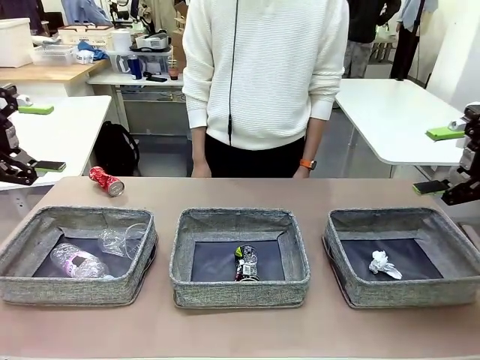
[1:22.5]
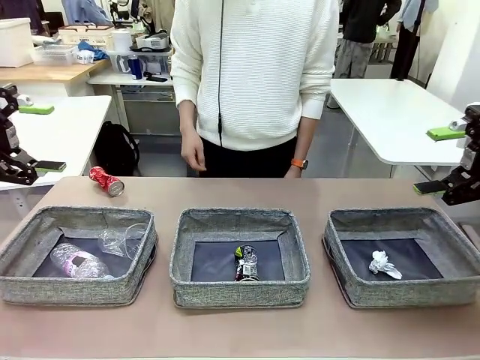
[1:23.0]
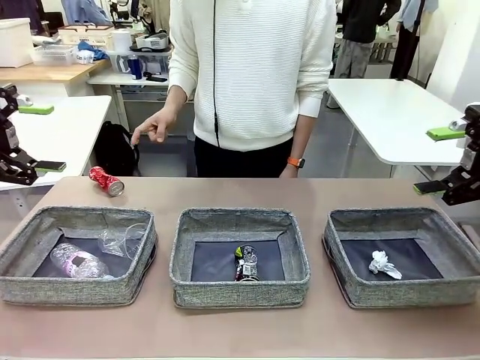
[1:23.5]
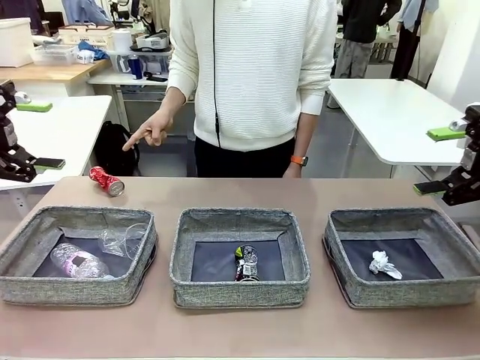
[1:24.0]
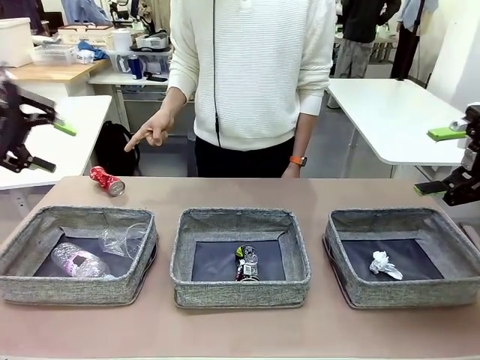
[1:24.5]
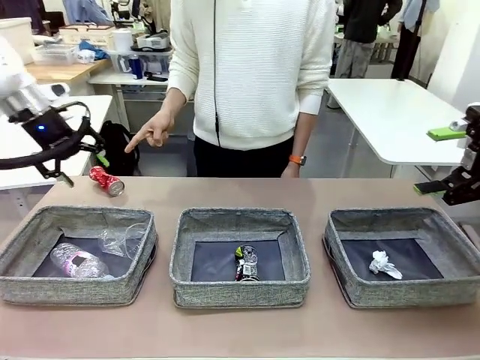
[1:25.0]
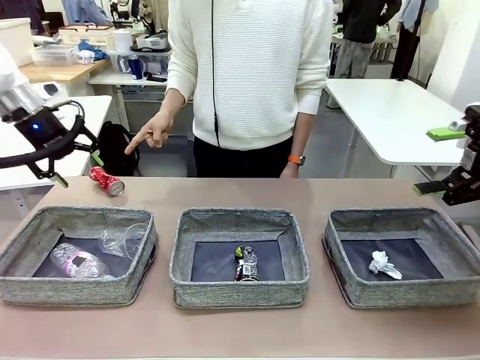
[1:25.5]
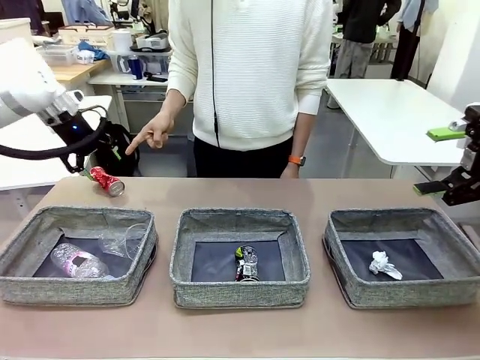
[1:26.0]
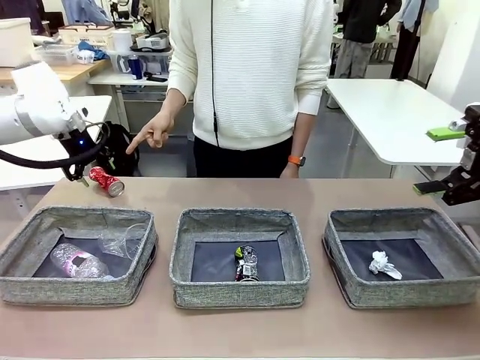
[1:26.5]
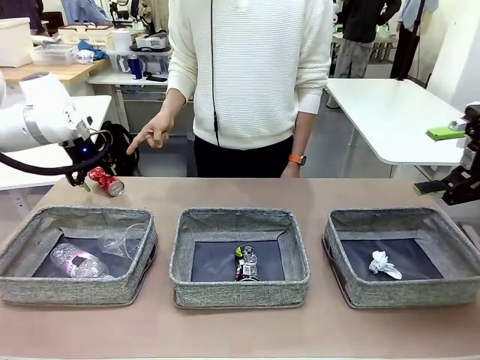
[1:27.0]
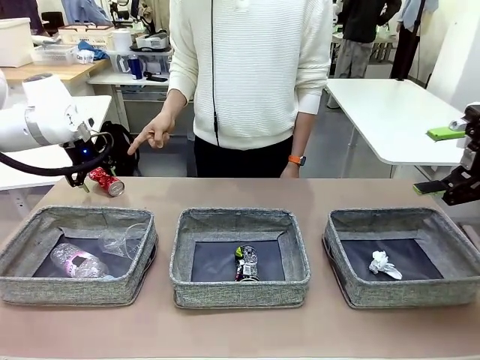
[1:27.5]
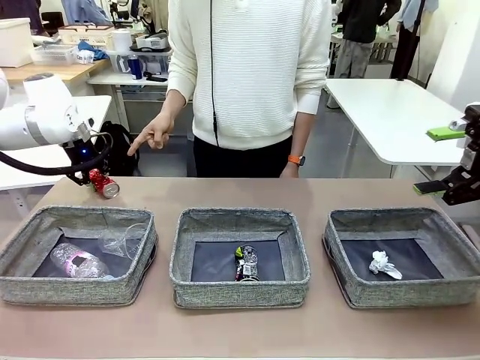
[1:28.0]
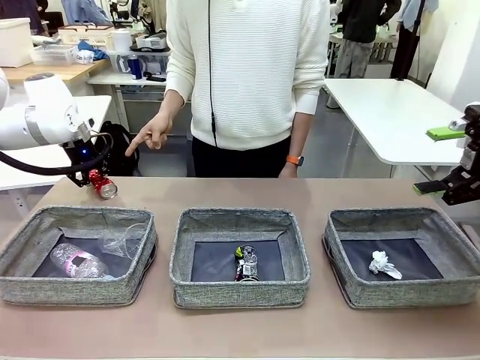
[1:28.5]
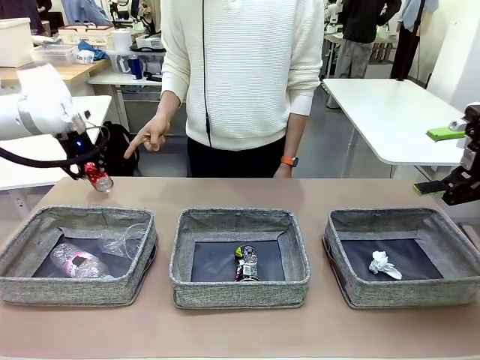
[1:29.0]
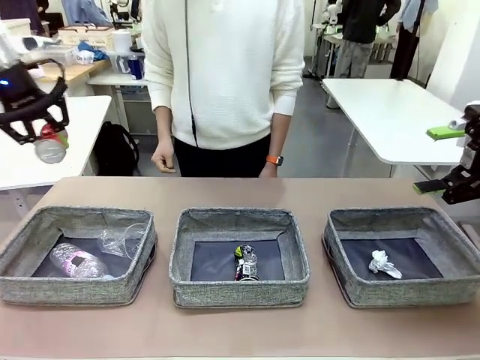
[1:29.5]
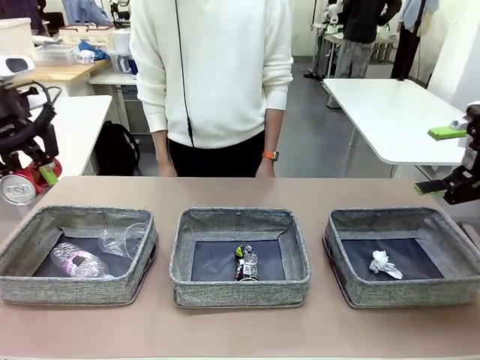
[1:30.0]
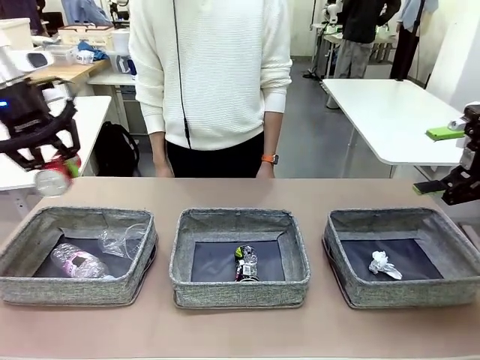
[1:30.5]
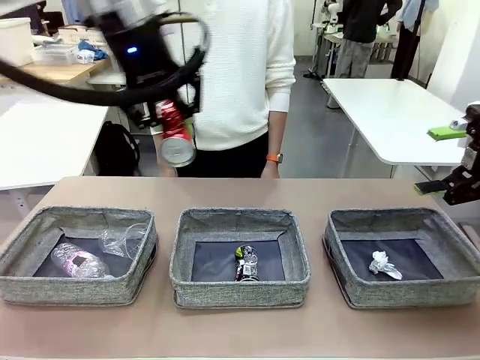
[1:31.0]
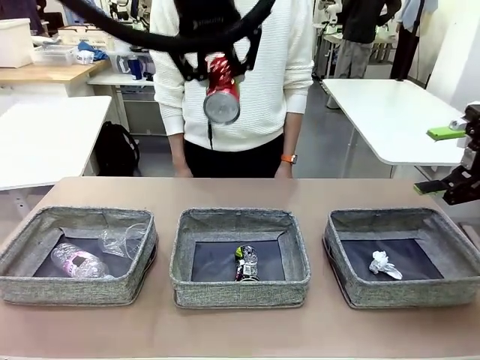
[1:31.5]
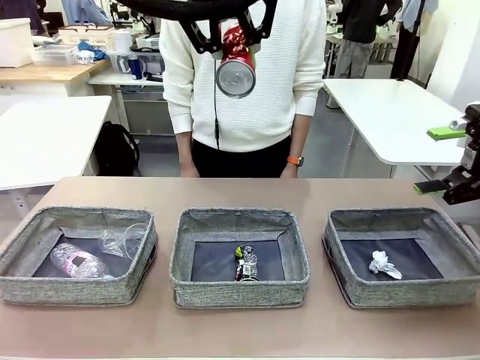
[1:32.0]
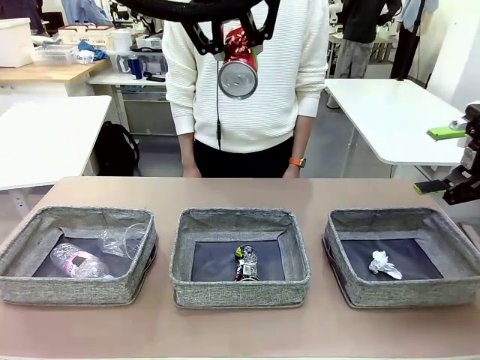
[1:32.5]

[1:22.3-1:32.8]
Task: Sort the waste into the appropriate baskets.
Robot: Pick up the waste item pointed out by the person.
Person: Points to one piece of trash on the table.

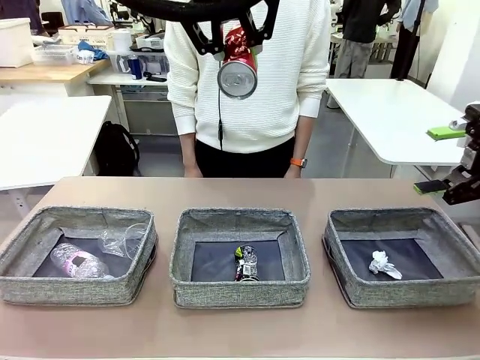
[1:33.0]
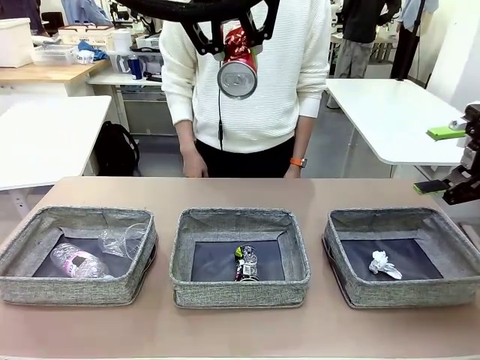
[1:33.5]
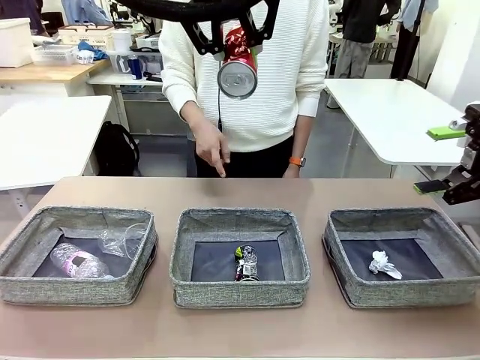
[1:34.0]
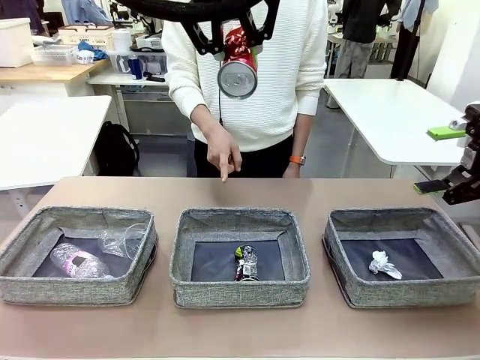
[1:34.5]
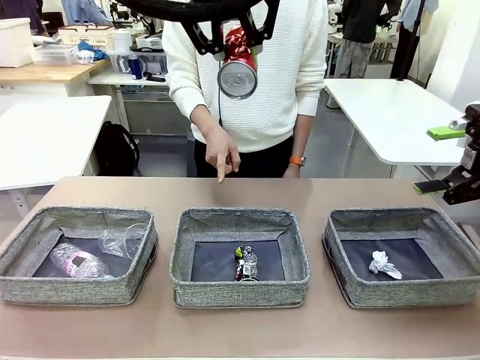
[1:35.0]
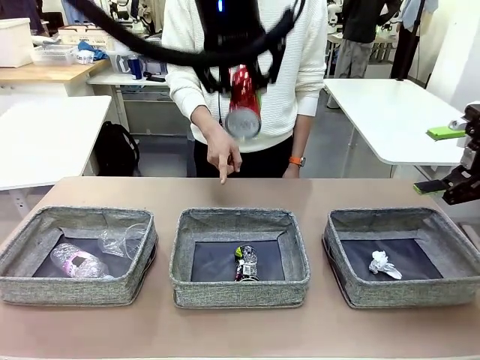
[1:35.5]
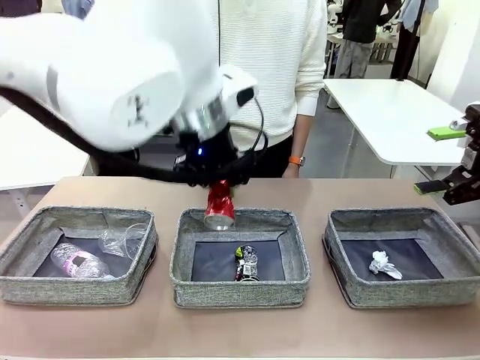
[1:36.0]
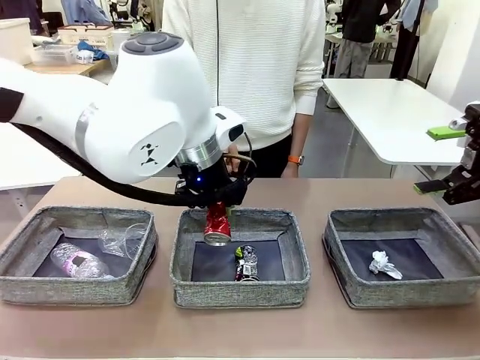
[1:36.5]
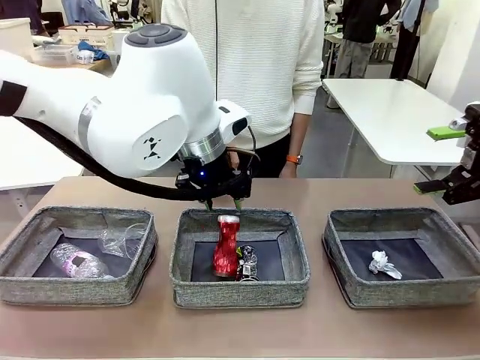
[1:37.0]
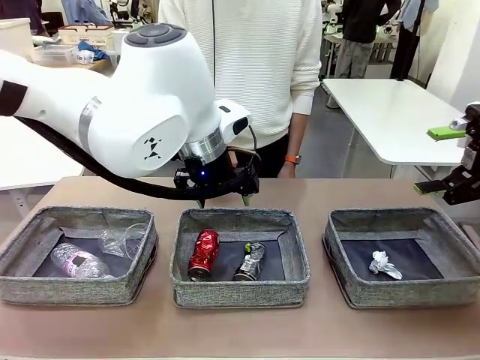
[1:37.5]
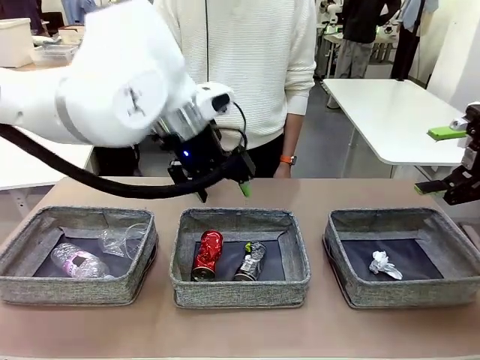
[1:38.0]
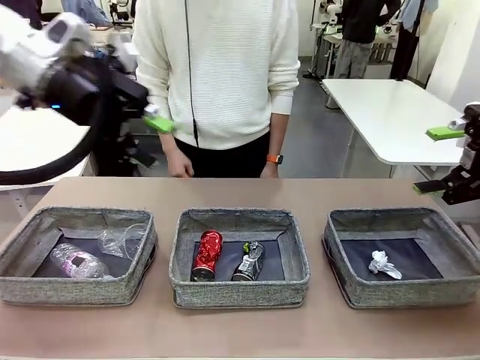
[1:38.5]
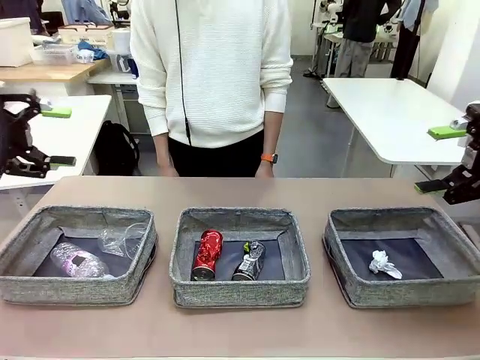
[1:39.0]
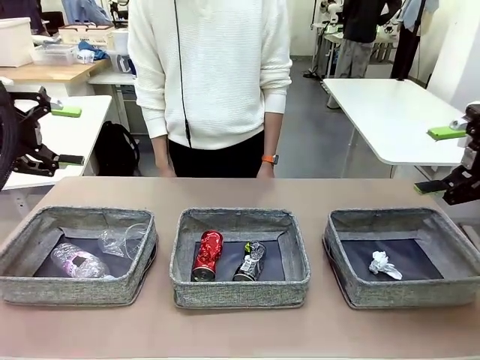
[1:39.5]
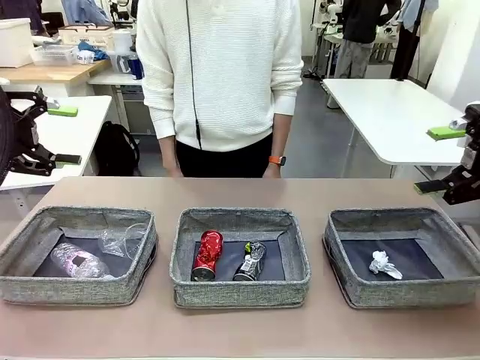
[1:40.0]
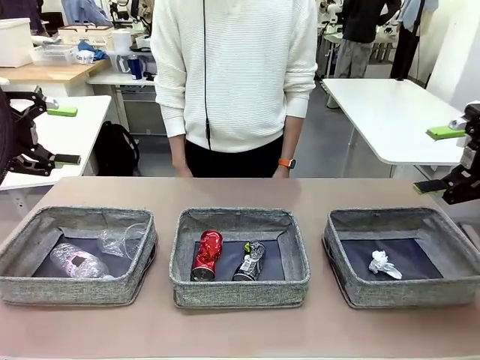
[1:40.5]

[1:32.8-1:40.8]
Robot: Place the picked waste into the Fabric basket indicated by the person.
Person: Instructs the robot to place the picked-up trash into the appropriate organizing basket.

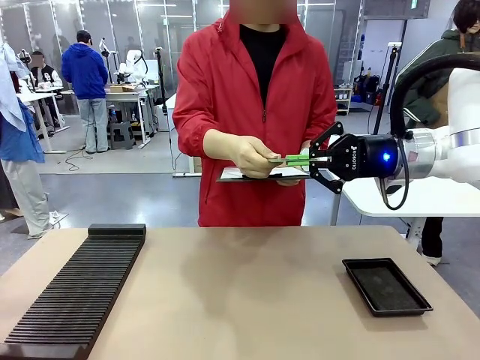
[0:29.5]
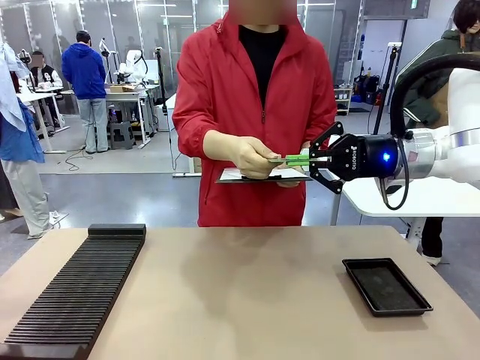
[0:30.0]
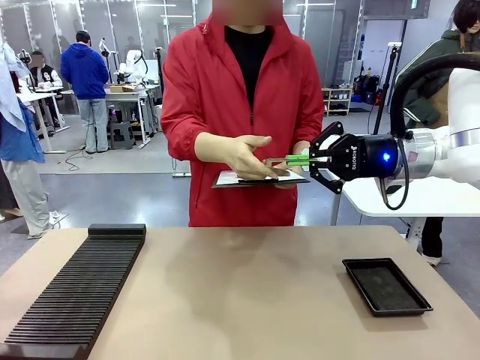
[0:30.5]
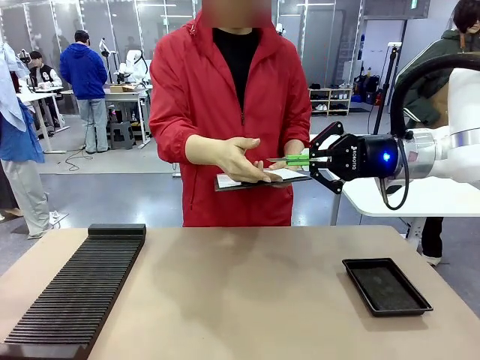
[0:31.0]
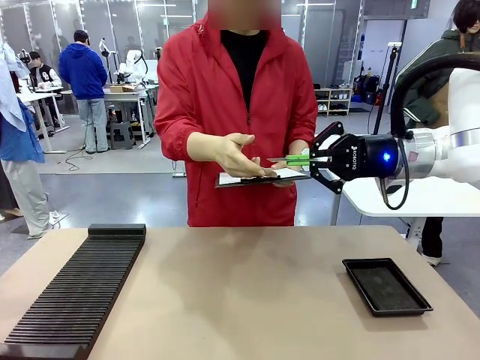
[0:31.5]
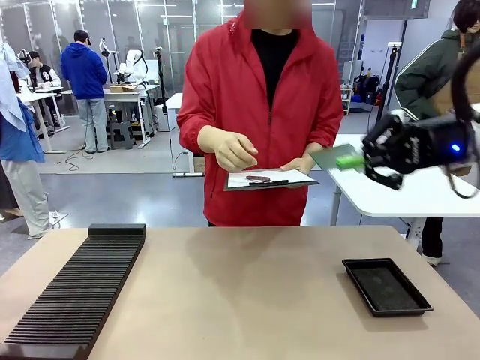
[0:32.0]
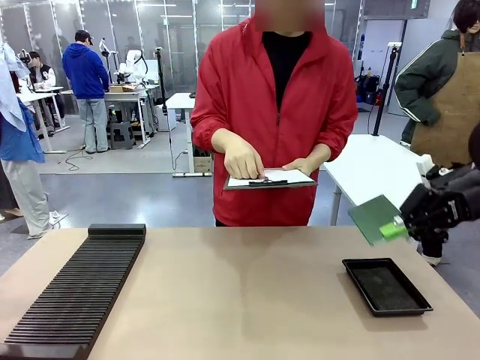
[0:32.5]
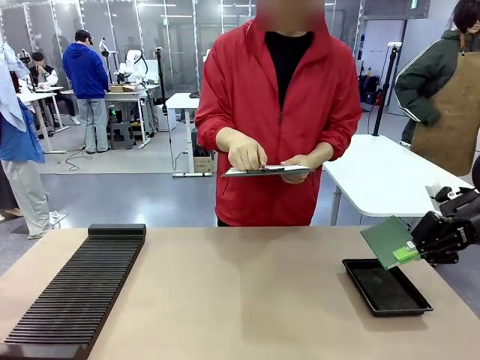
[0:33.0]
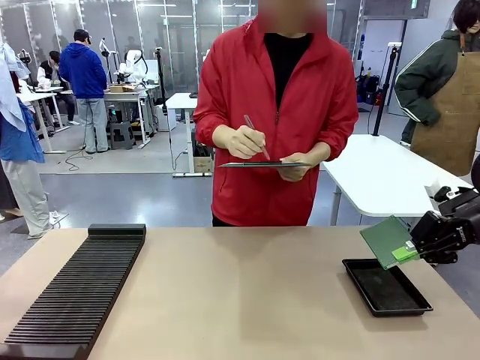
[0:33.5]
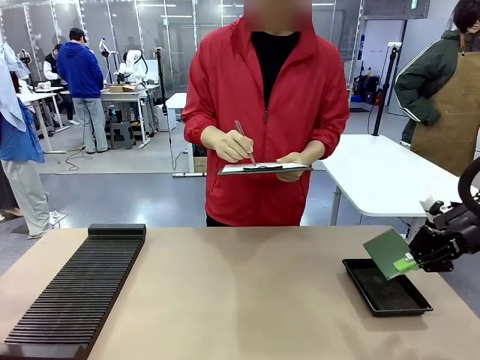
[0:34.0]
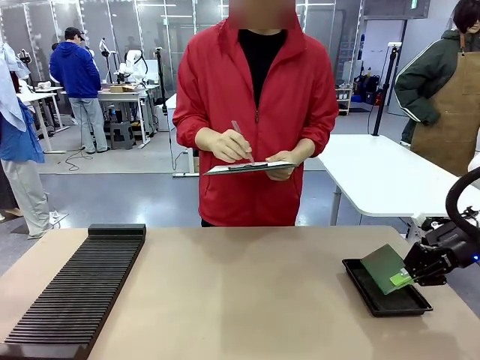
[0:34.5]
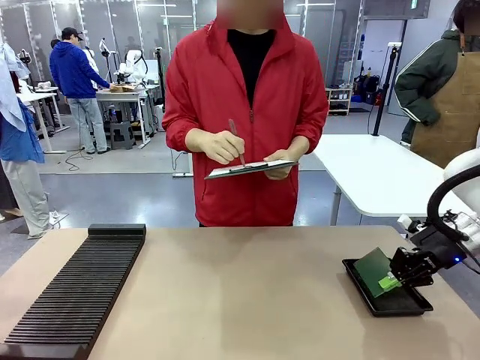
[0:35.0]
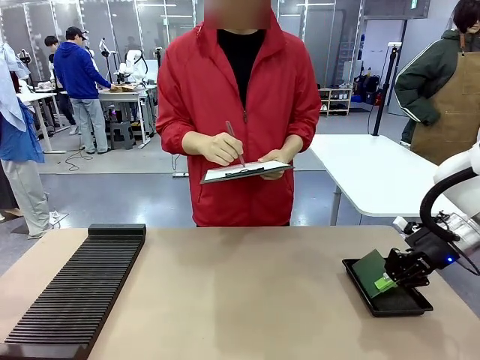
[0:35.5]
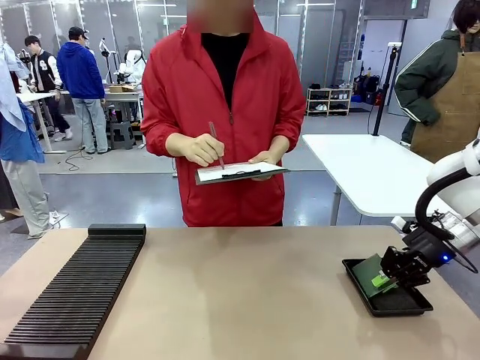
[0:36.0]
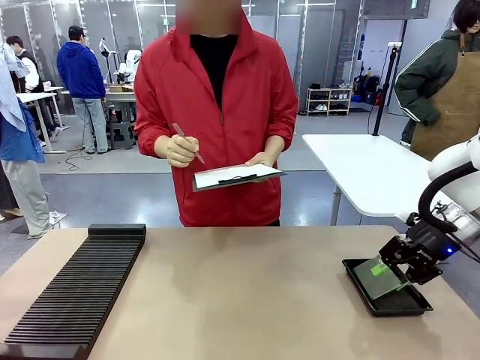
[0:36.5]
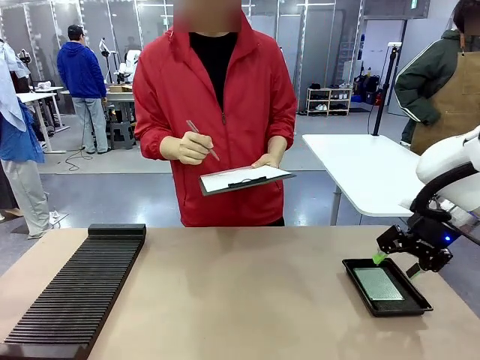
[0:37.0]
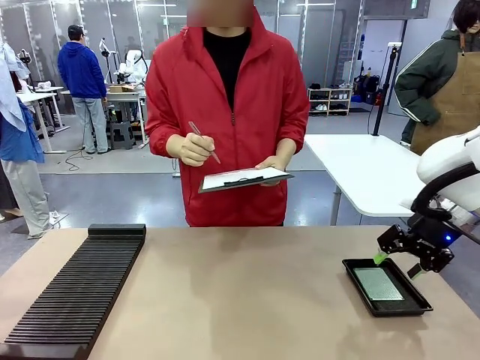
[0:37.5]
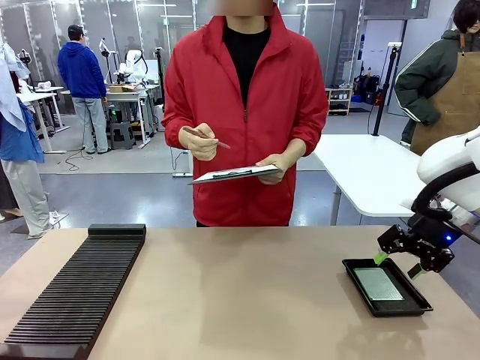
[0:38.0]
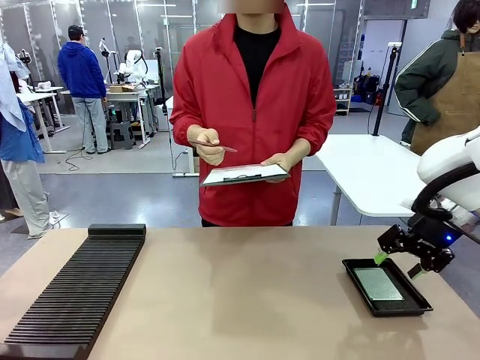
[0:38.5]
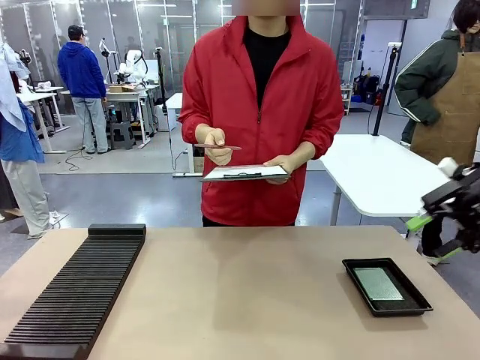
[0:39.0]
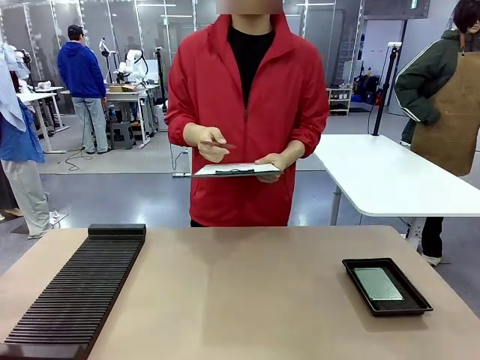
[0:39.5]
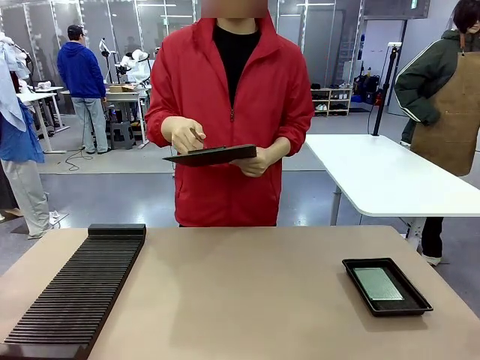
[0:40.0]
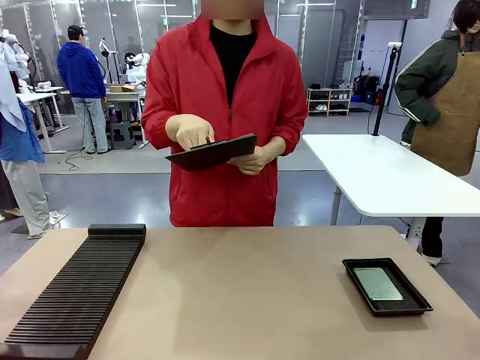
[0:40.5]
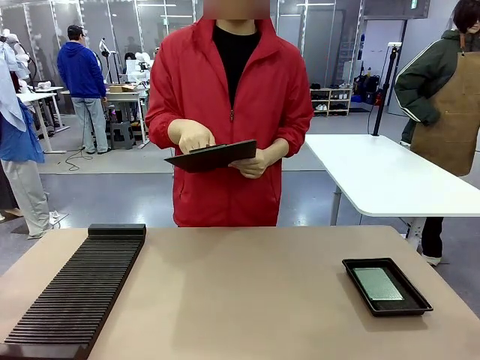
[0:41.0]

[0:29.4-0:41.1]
Task: Inspect the PCB.
Robot: Place the Blank PCB in the ESD tray.
Person: Record the PCB status on the paper.
